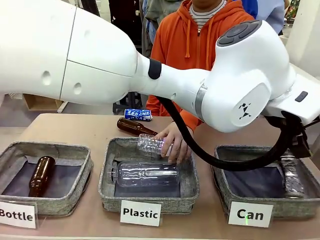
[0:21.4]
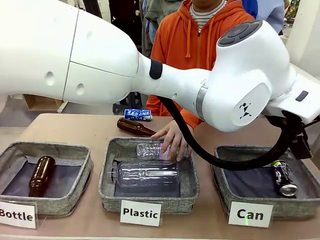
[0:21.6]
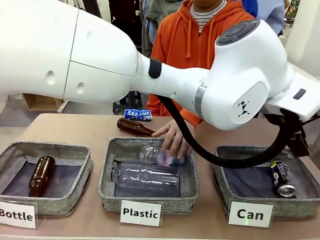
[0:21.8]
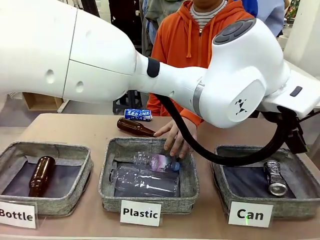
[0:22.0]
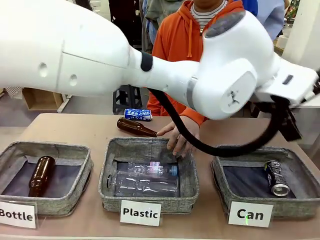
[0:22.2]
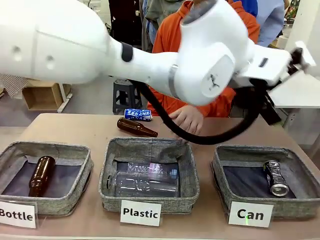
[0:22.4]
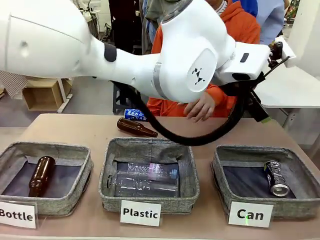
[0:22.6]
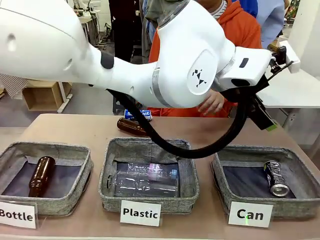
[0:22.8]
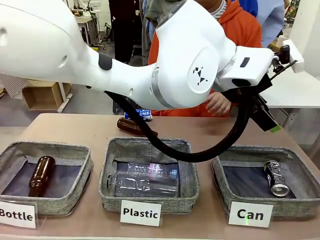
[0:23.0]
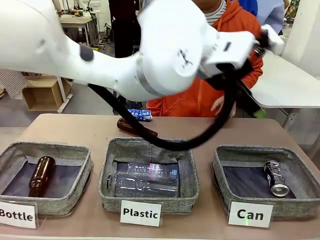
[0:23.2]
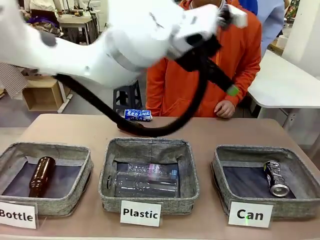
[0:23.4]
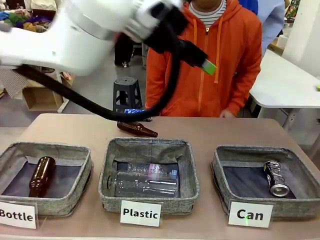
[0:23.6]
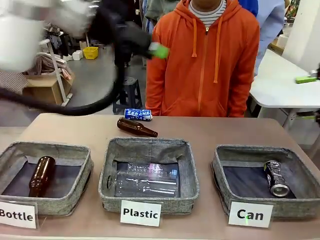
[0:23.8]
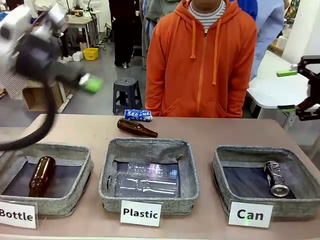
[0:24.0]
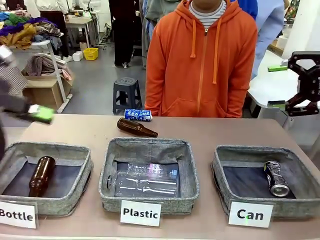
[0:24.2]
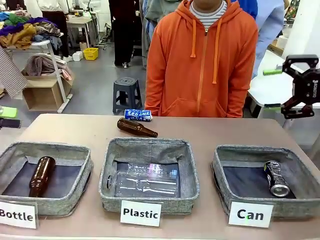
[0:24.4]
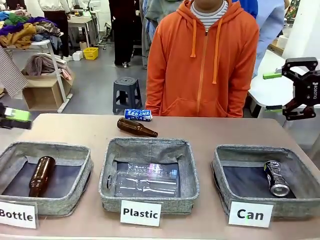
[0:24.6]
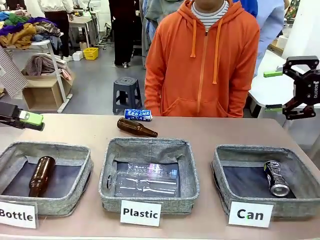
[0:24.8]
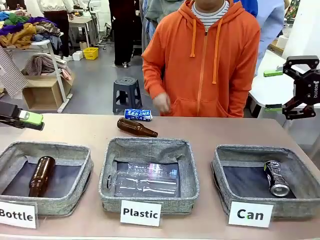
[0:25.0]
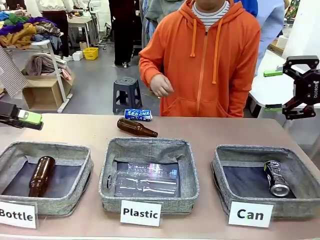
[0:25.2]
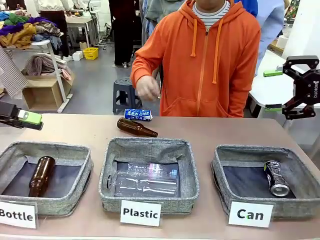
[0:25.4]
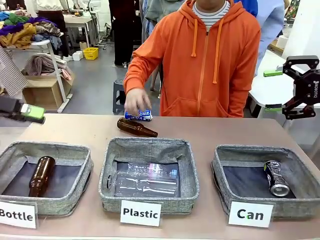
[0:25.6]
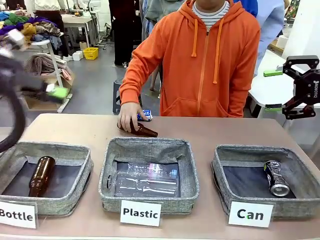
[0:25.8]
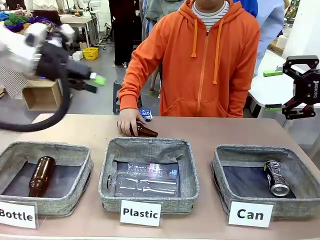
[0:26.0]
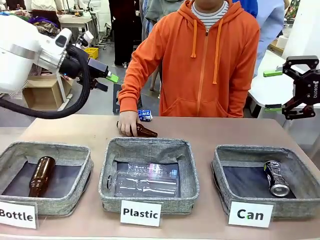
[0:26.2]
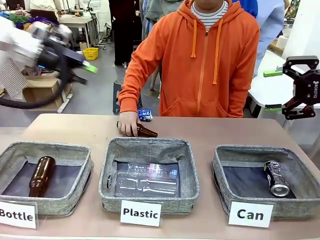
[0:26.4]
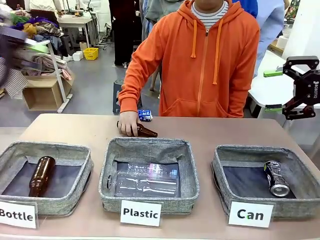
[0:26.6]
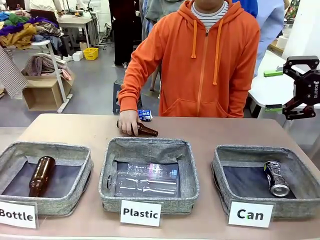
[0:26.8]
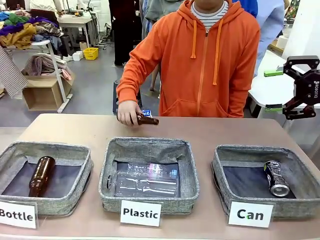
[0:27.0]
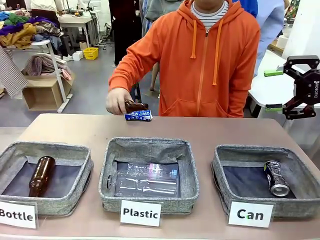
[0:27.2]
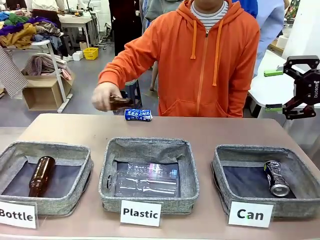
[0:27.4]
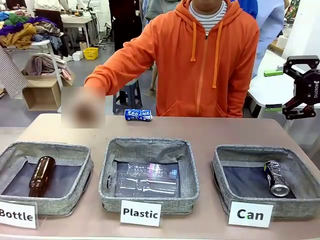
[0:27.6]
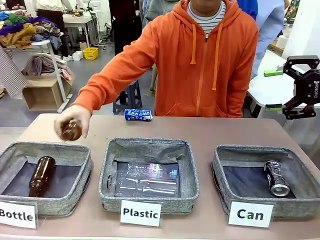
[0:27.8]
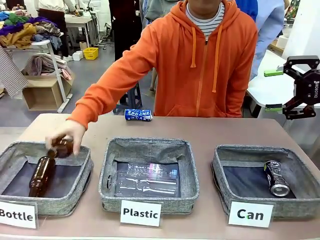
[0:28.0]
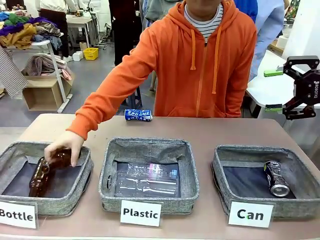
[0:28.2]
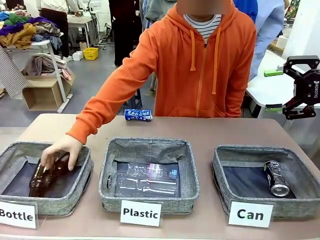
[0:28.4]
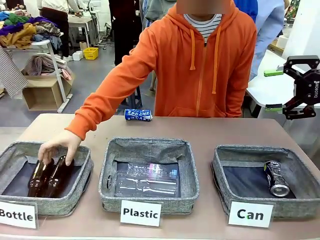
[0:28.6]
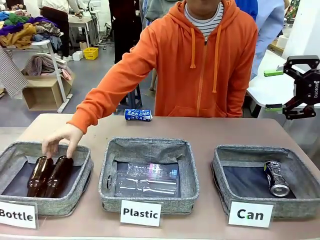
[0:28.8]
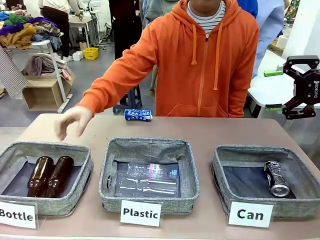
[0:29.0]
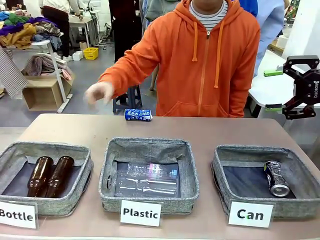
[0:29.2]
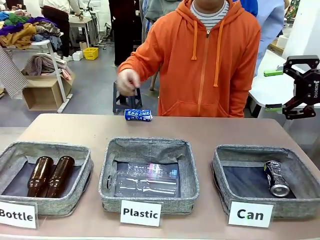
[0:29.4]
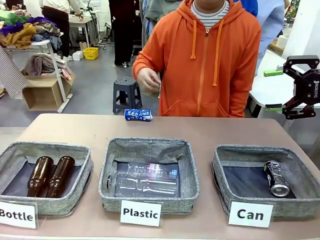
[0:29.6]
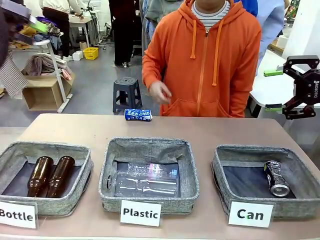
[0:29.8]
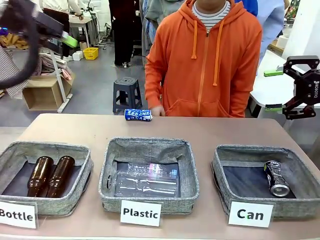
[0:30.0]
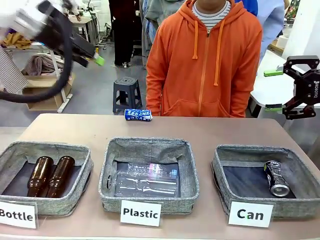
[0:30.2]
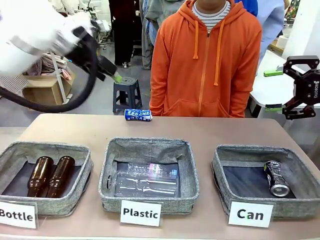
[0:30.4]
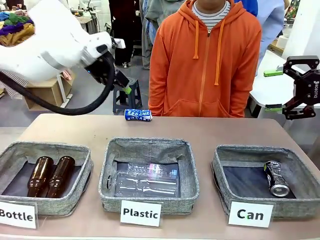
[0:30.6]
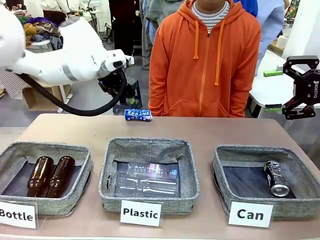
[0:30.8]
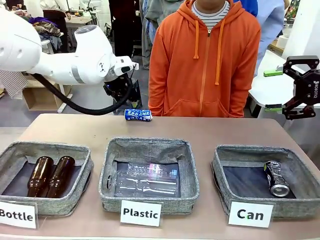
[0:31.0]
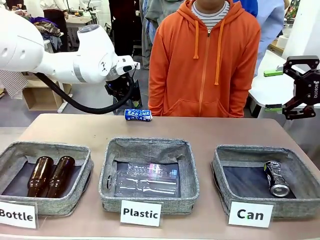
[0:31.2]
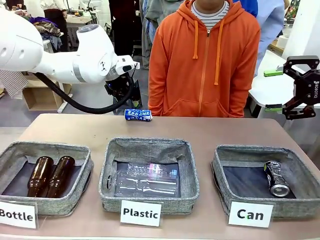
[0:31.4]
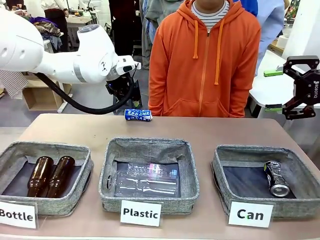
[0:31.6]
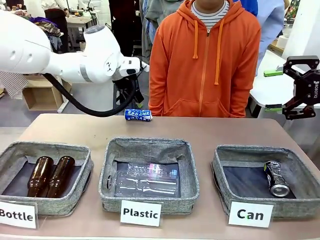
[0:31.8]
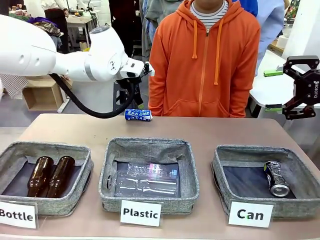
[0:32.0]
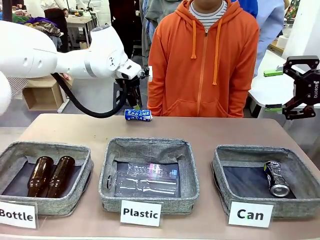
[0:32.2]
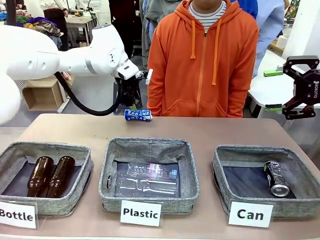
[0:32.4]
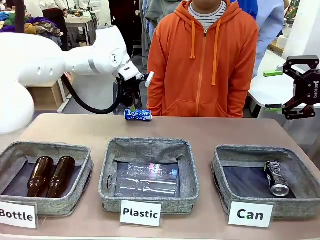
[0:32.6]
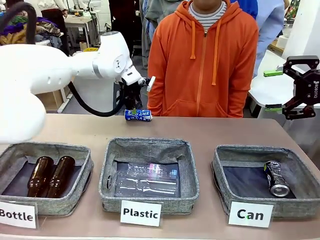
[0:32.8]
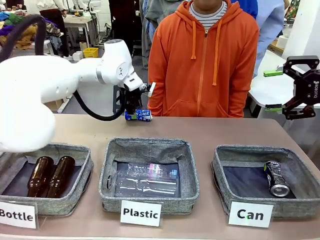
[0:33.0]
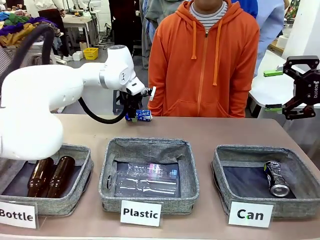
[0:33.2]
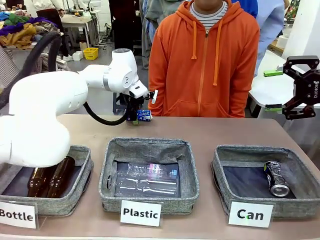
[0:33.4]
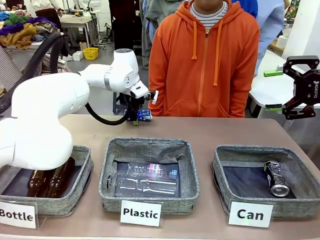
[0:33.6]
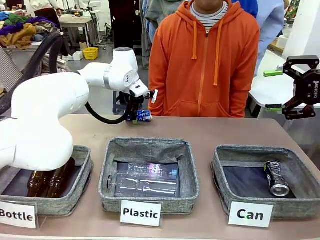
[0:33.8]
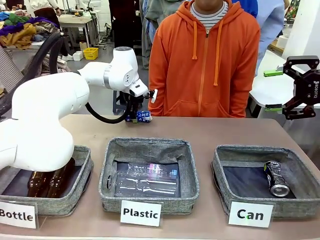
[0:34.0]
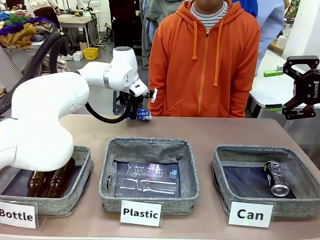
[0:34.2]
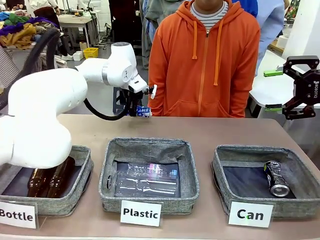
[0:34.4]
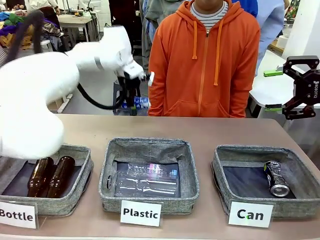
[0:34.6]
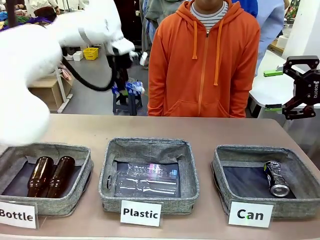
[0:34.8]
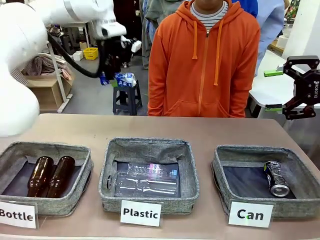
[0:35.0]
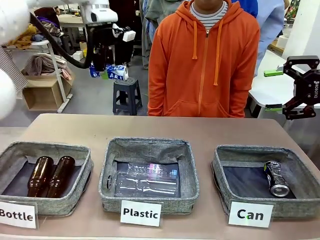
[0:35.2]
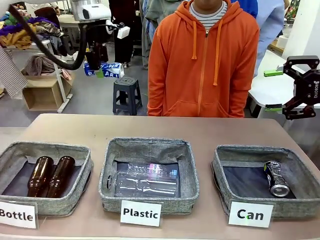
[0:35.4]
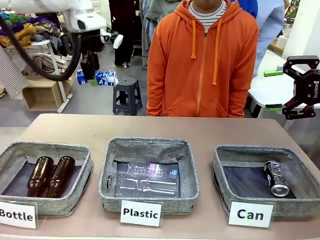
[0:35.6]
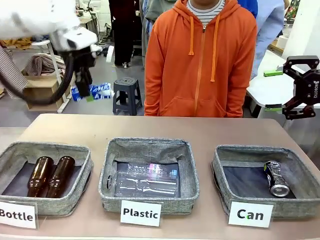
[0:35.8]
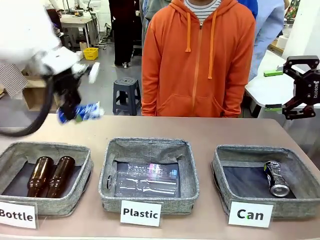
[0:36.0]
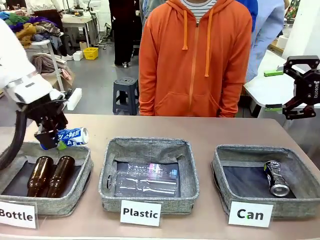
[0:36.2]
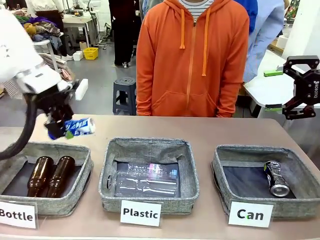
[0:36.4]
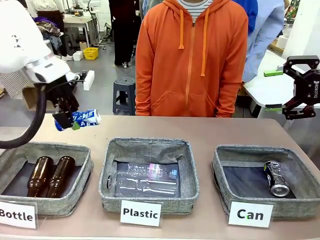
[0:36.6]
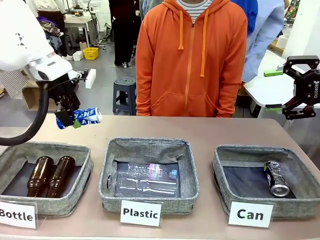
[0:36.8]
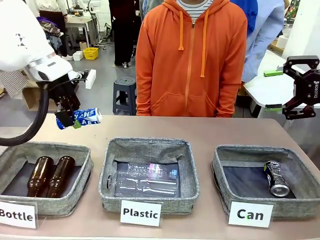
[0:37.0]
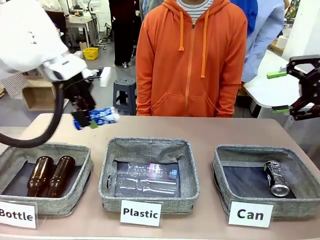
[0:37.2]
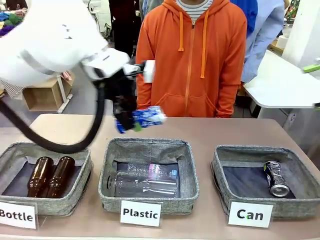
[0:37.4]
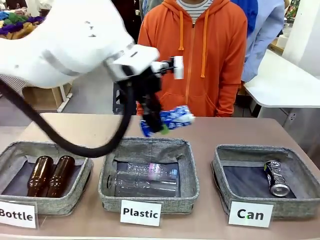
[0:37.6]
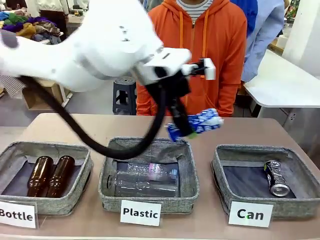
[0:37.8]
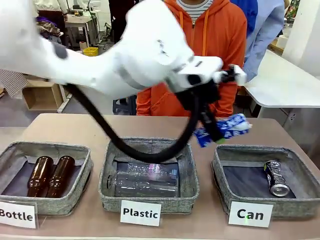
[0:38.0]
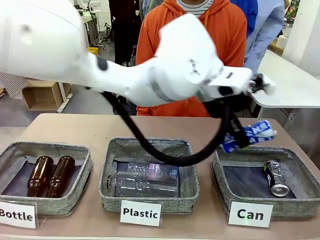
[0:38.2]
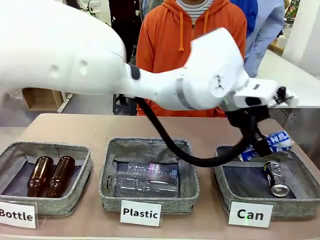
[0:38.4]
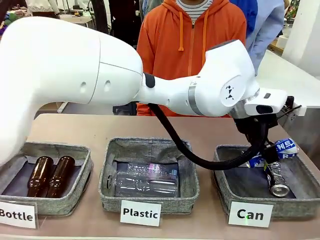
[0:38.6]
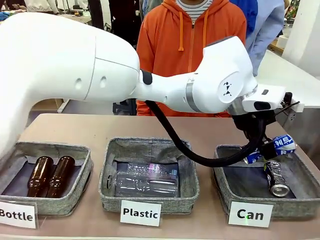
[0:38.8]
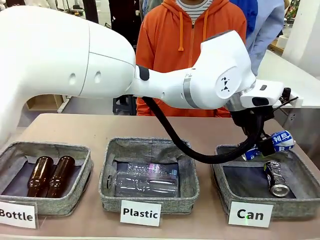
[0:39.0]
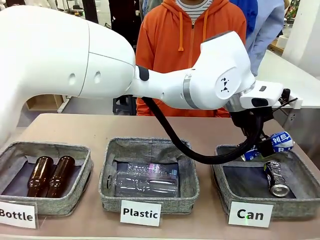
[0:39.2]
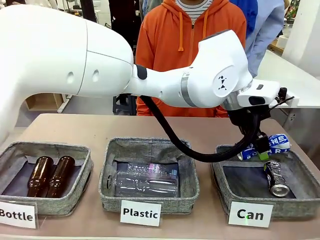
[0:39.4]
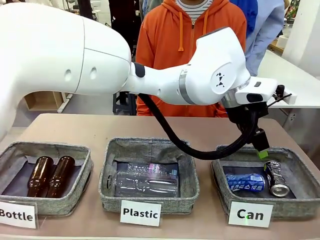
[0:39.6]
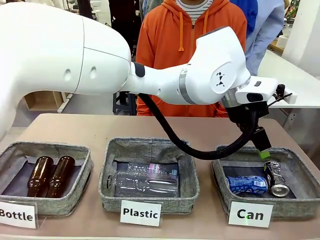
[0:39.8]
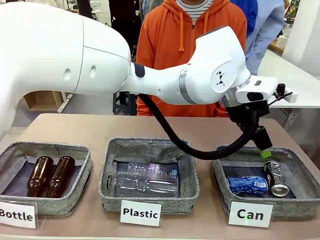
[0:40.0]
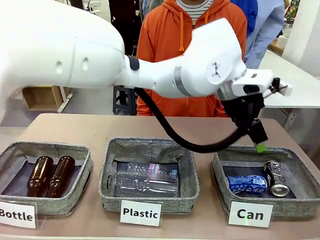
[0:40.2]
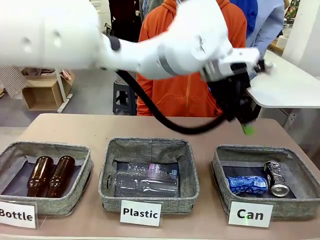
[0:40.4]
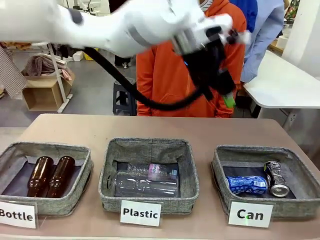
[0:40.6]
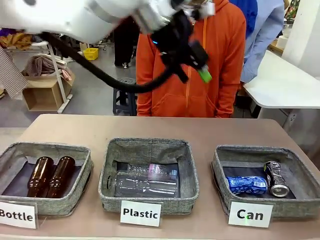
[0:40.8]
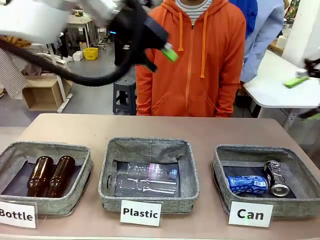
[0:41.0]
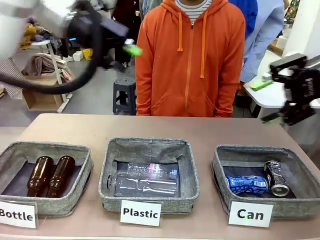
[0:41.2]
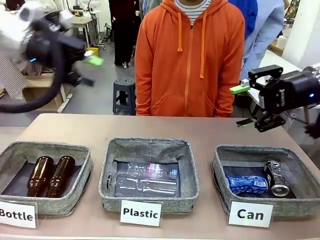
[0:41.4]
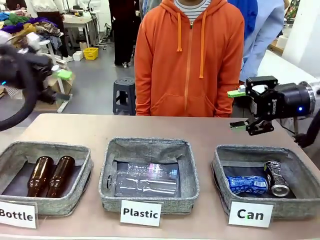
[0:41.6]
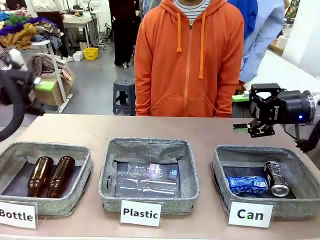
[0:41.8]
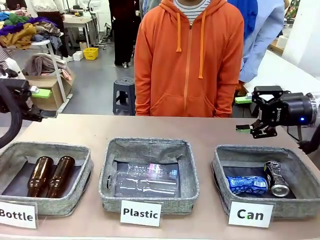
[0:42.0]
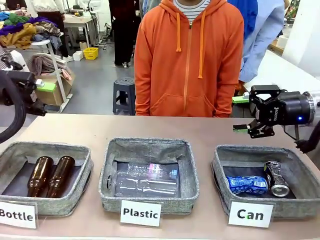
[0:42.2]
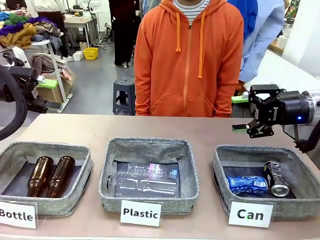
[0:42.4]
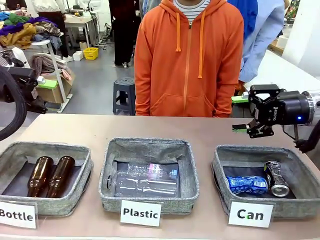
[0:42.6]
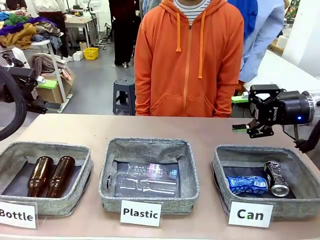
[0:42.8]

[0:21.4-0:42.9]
Task: Sort the can waste into the basket.
Robot: Pick up the can waste from the table and place it in the right Fabric basket.
Person: The human picks up one piece of trash that is not a can and places the trash into the appropriate organizing basket.
